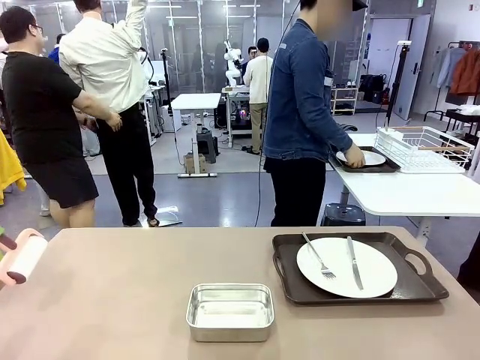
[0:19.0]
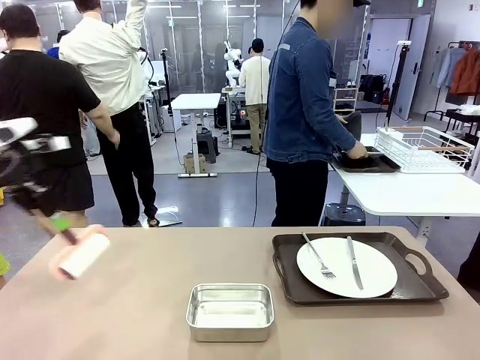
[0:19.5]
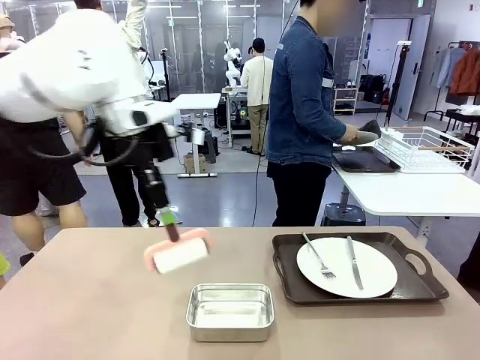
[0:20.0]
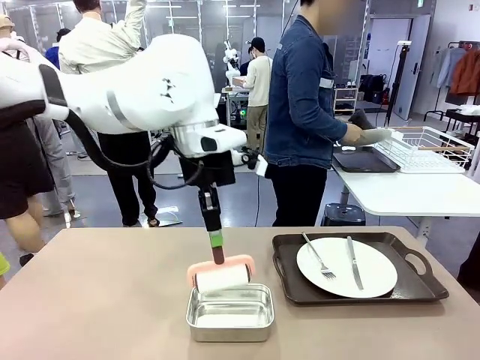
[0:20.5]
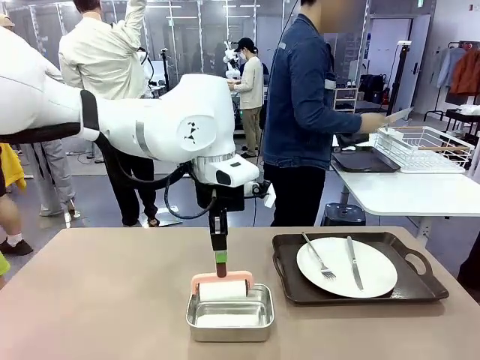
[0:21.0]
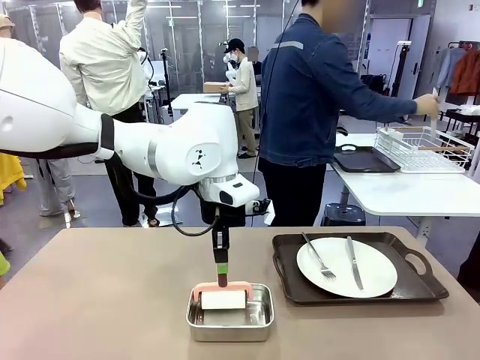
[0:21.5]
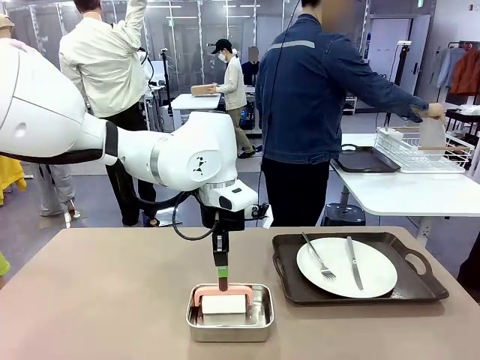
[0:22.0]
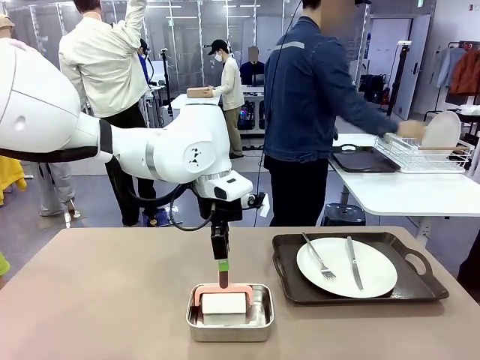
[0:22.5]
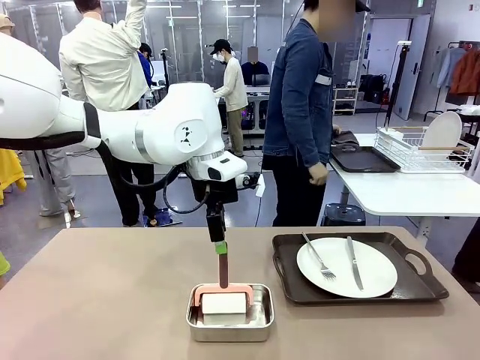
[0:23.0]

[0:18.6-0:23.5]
Robot: Place the Lint Roller back on top of the Airtight Container.

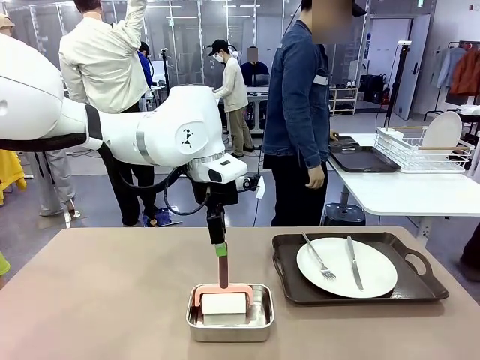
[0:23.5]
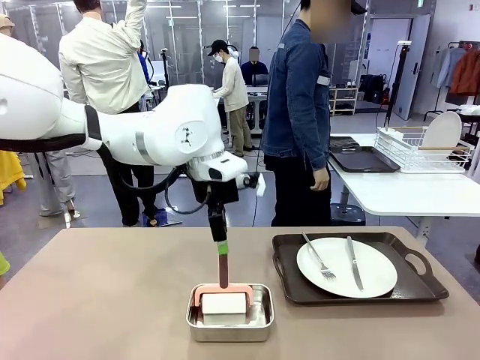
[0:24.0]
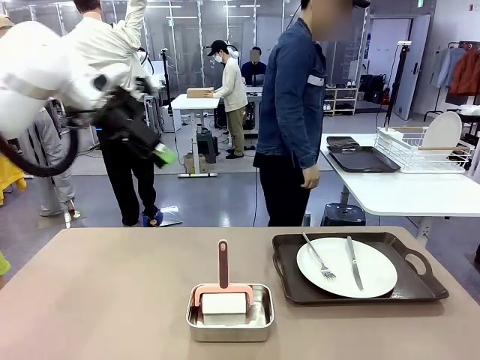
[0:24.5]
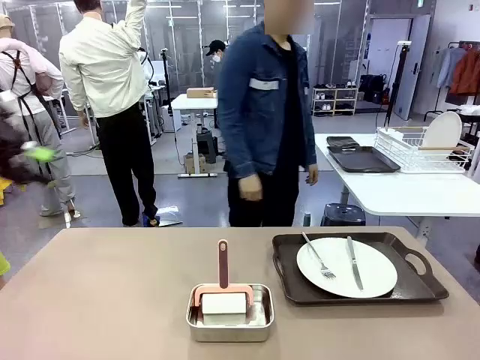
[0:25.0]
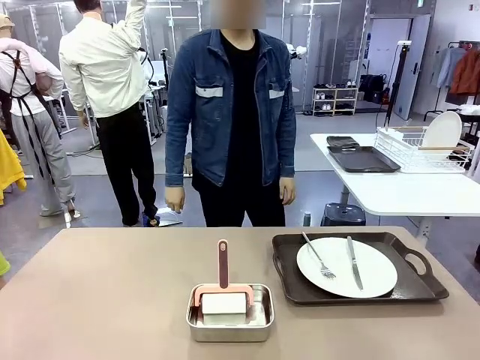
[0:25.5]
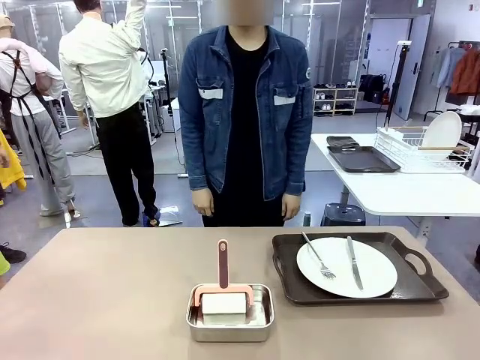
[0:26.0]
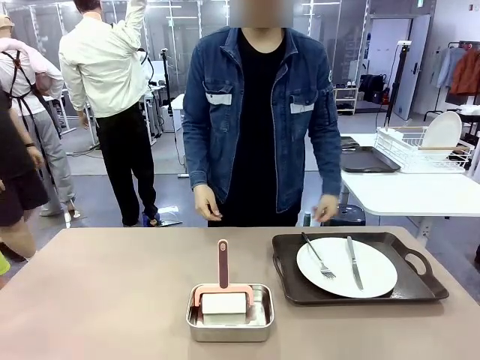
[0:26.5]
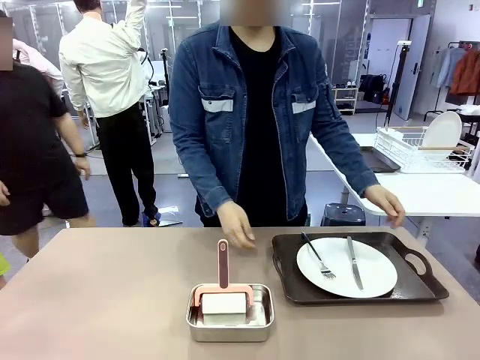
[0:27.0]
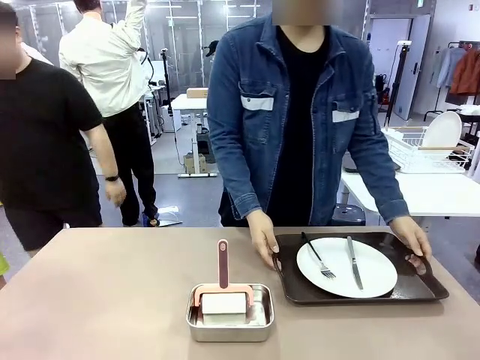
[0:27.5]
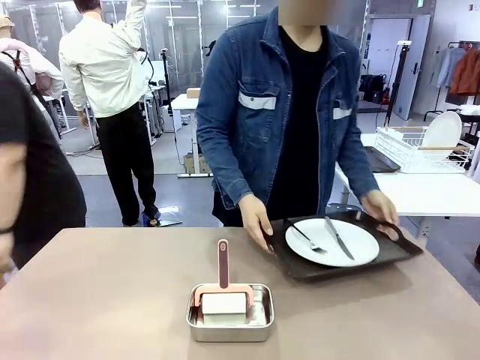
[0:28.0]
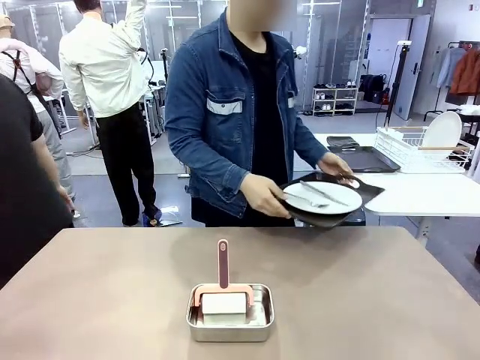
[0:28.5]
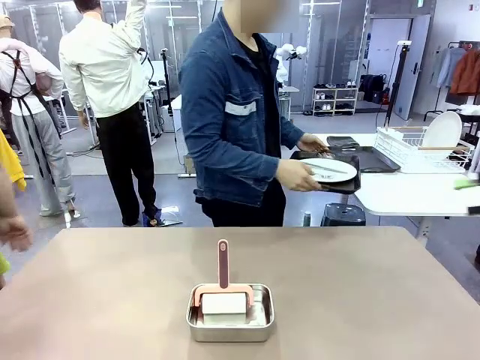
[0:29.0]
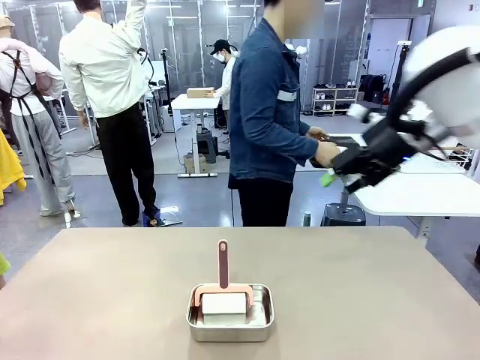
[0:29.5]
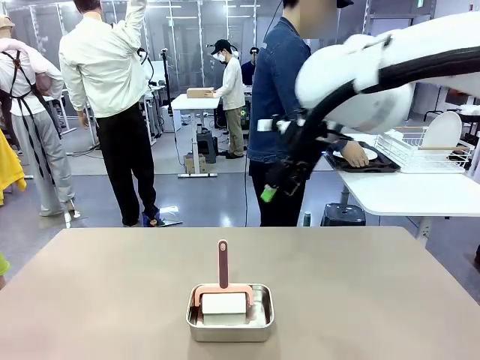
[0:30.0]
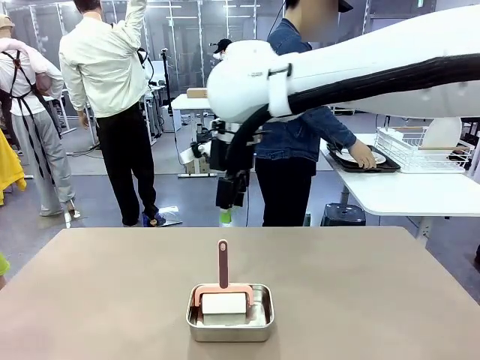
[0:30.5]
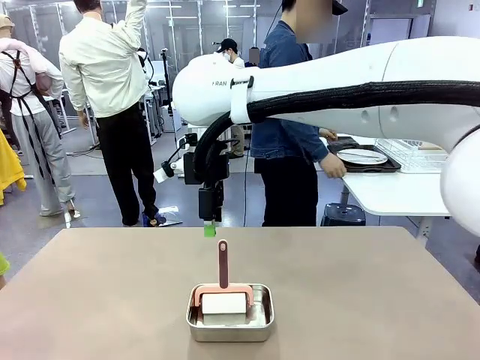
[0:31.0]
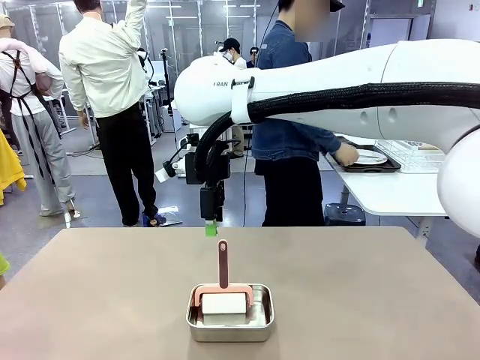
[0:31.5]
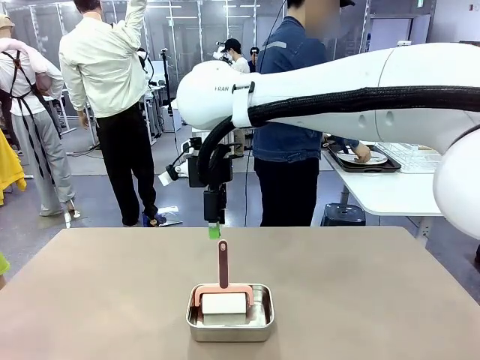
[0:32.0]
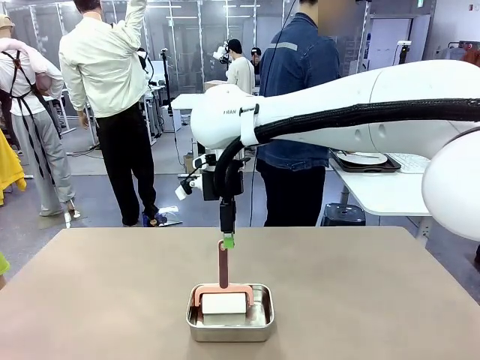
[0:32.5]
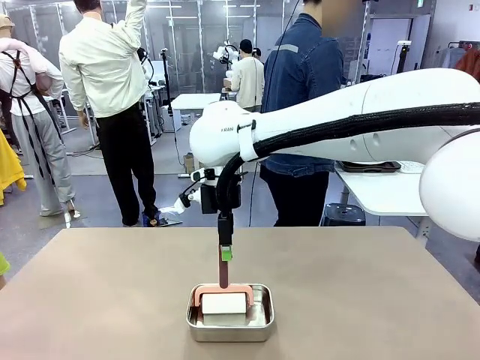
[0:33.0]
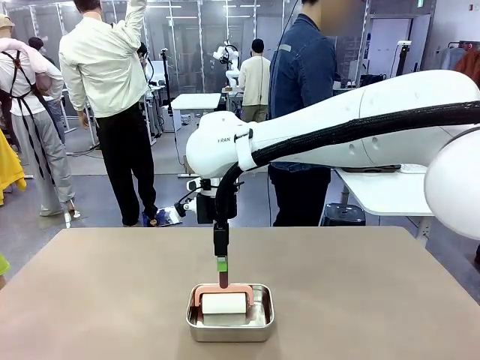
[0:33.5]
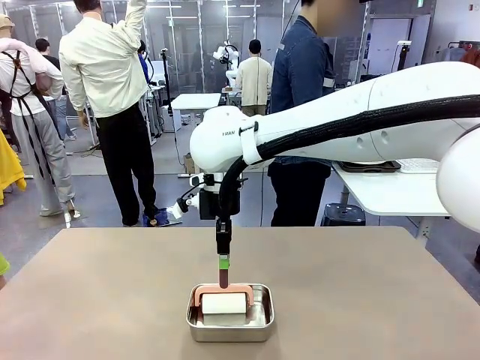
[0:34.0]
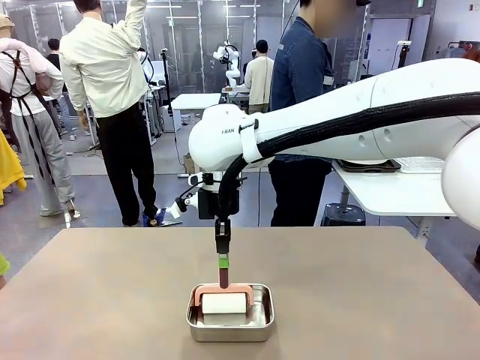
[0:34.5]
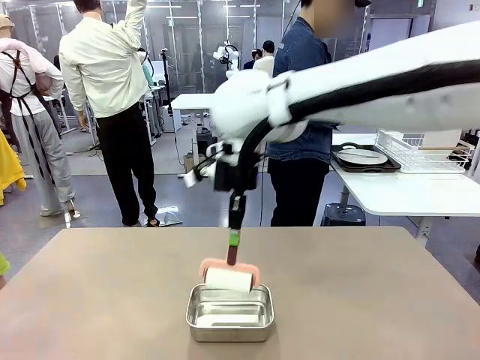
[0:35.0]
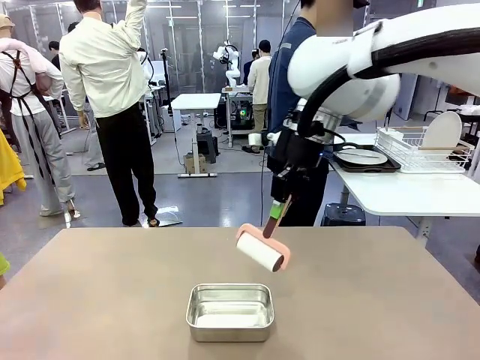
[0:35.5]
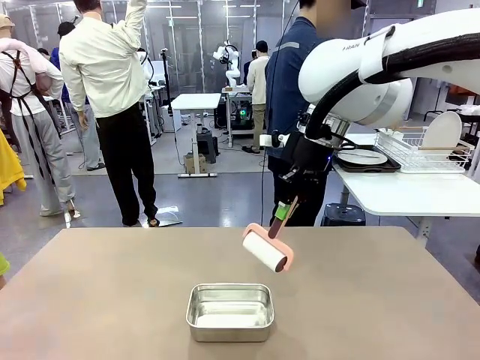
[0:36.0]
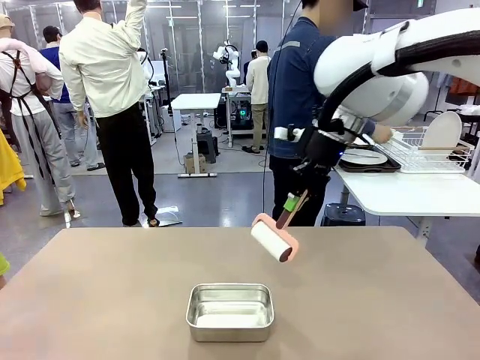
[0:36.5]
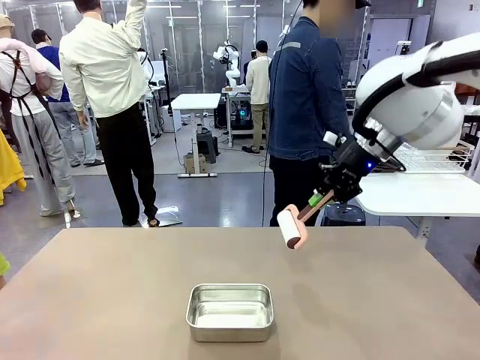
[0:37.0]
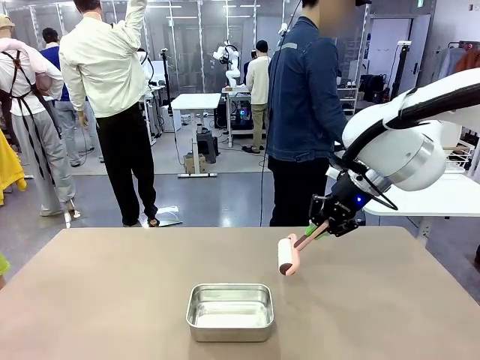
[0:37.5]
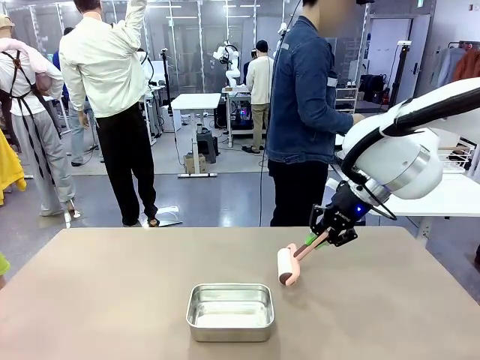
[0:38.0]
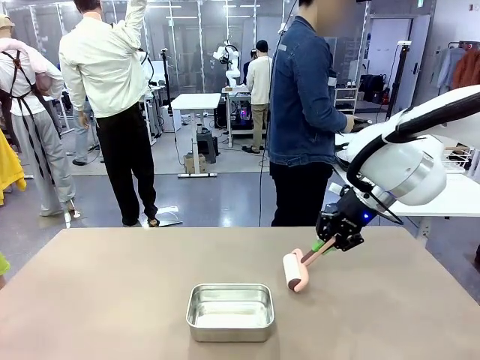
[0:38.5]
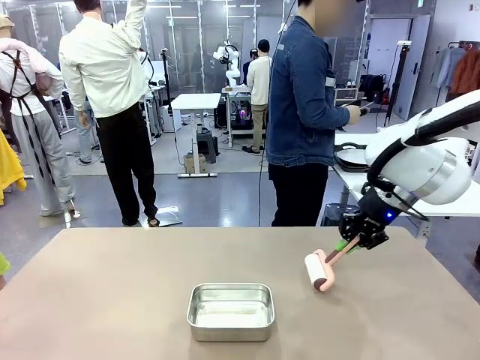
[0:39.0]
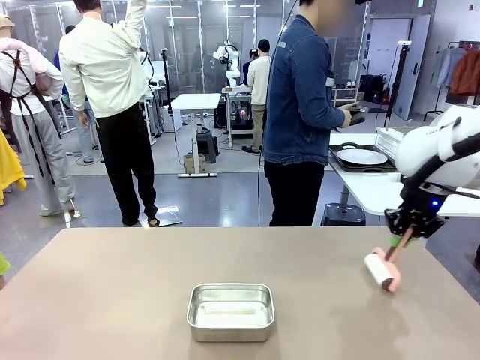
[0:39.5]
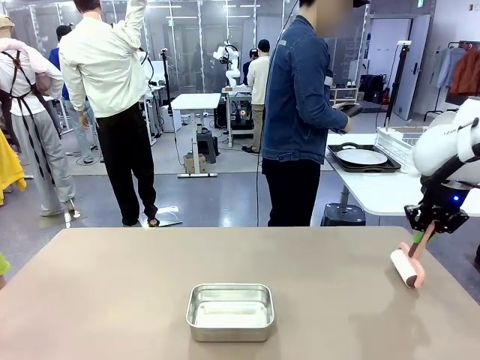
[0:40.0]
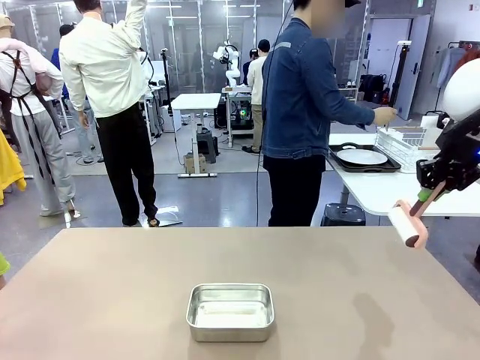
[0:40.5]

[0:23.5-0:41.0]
Robot: When the right (or left) Handle tray is removed, use the right hand (or left hand) to clean the right (or left) side of the table with the Lint Roller.
Person: Pick up the left (or right) Handle tray and place it on the Handle tray.

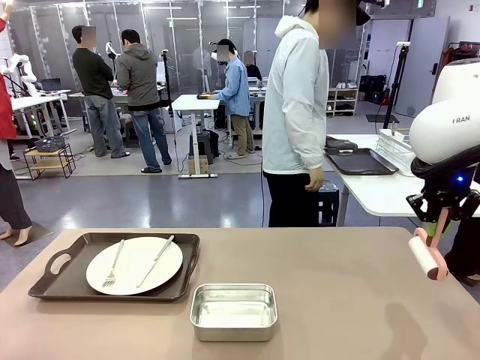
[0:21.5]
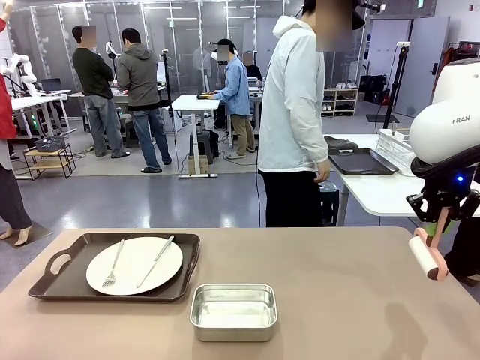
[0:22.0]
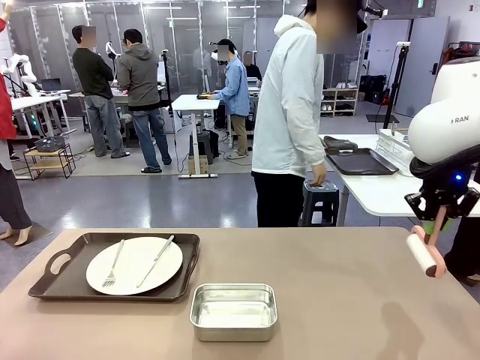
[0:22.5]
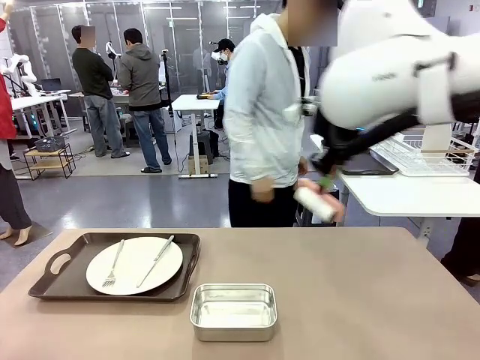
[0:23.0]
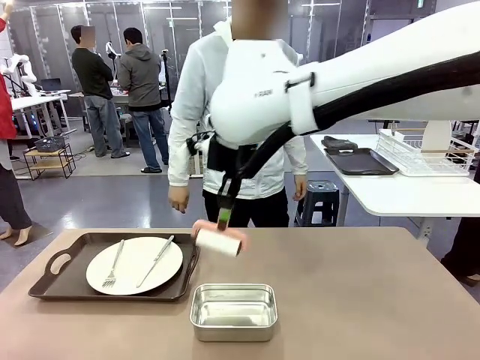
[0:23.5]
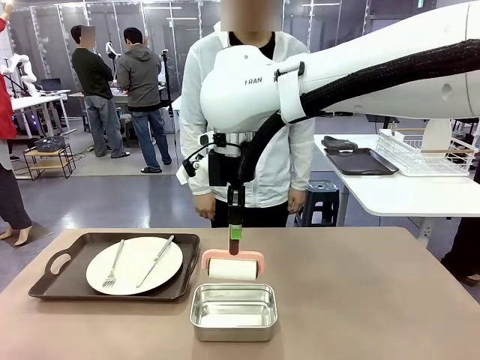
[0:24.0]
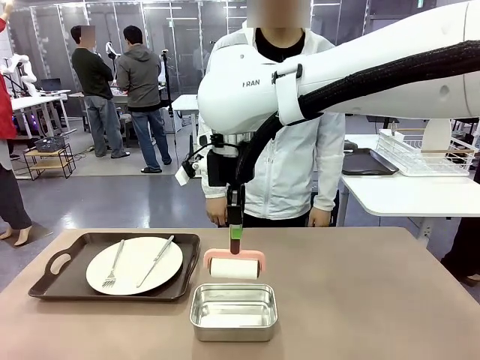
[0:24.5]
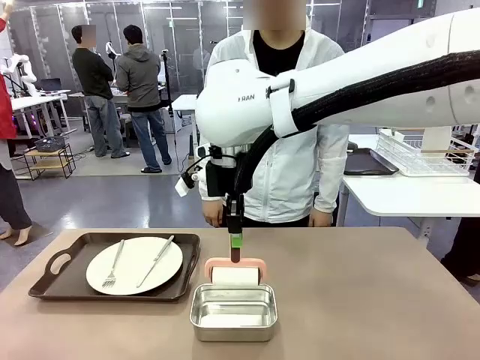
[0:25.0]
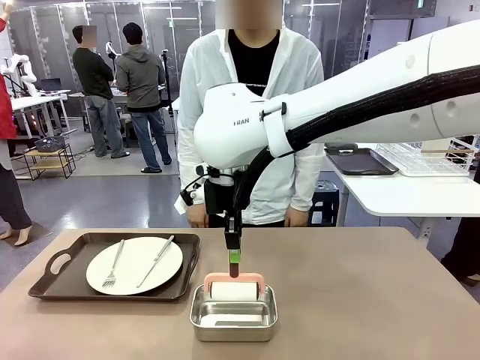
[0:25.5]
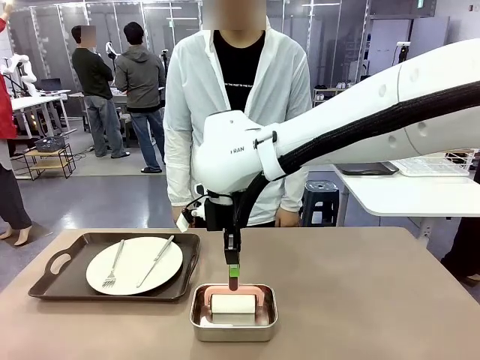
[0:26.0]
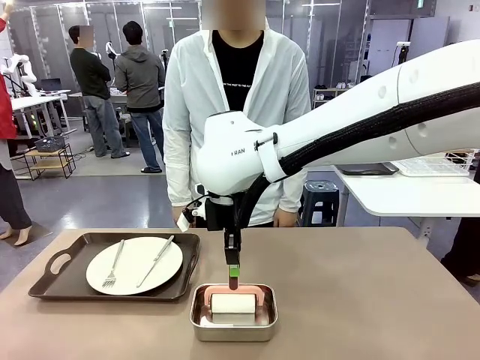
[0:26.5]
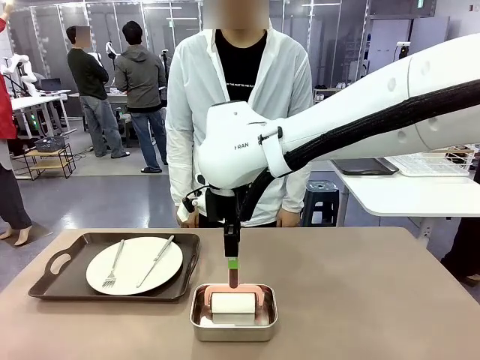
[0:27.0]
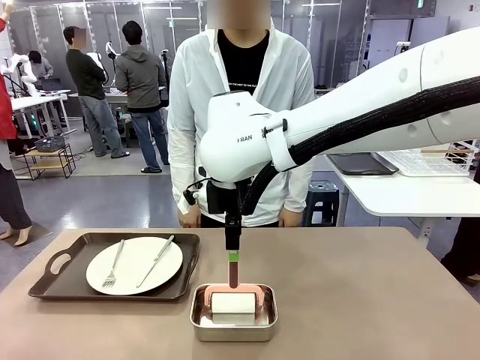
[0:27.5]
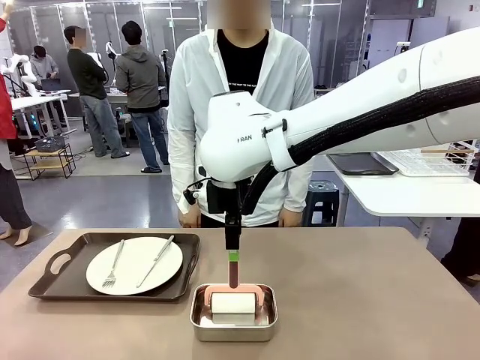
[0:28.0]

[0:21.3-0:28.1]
Robot: Place the Lint Roller back on top of the Airtight Container.
